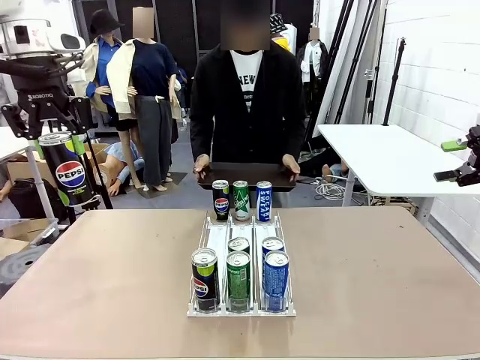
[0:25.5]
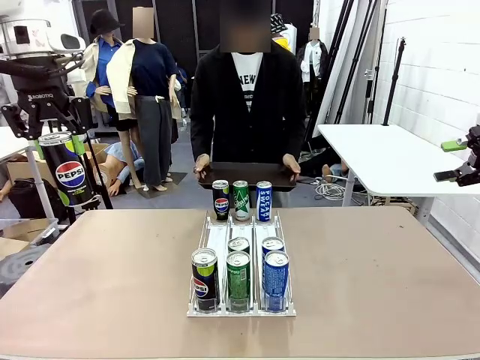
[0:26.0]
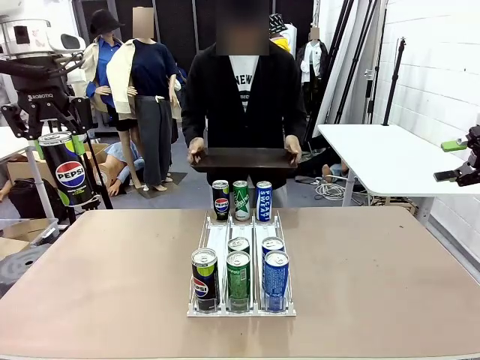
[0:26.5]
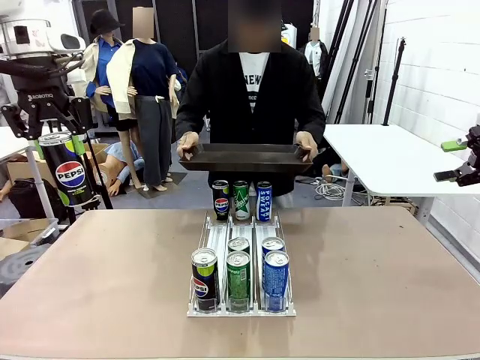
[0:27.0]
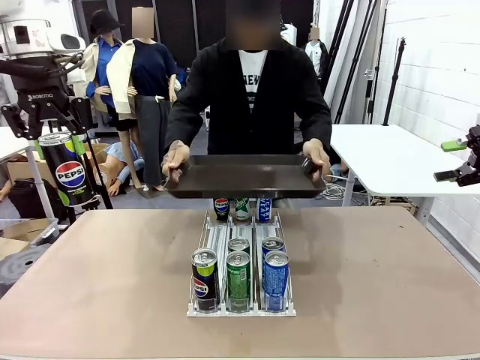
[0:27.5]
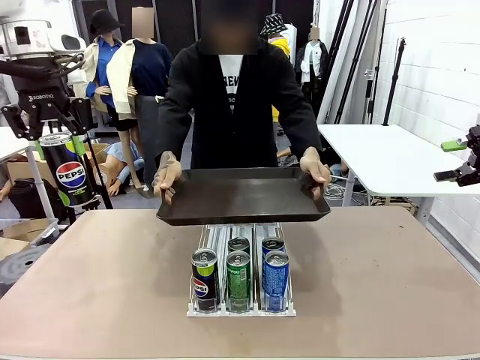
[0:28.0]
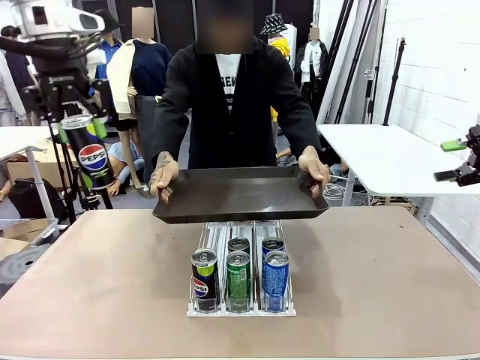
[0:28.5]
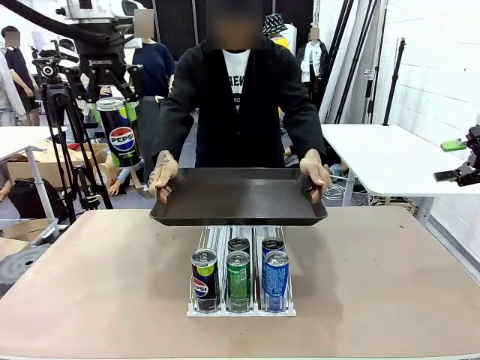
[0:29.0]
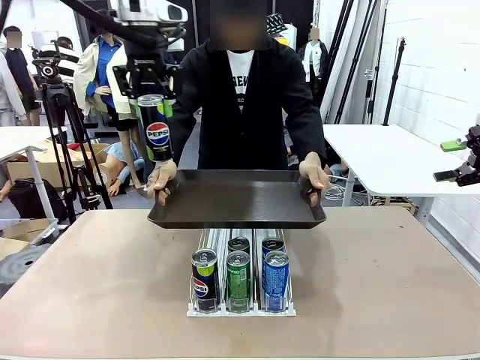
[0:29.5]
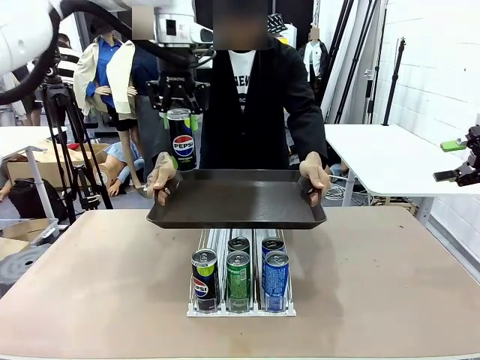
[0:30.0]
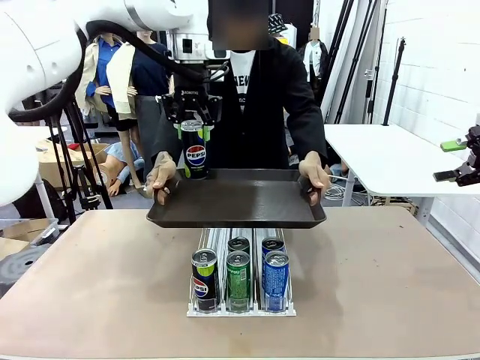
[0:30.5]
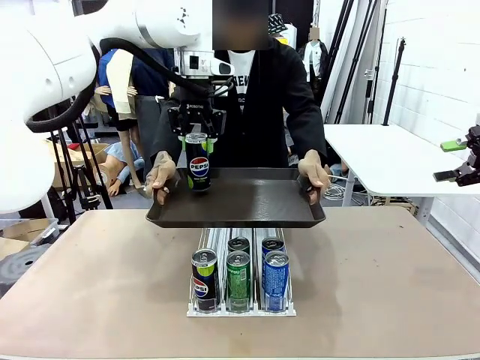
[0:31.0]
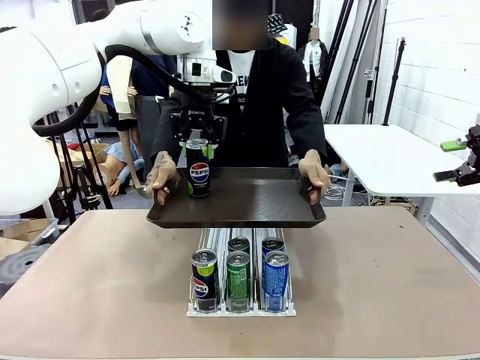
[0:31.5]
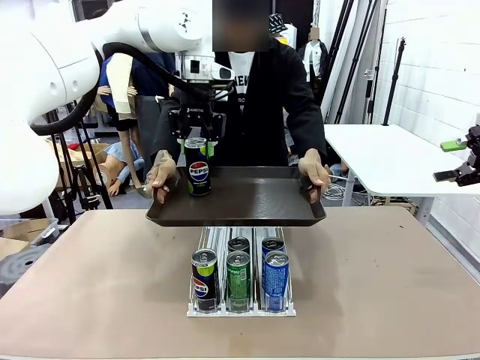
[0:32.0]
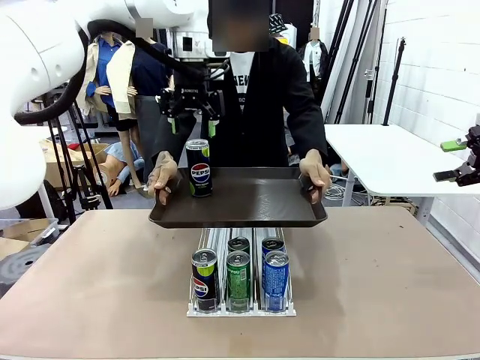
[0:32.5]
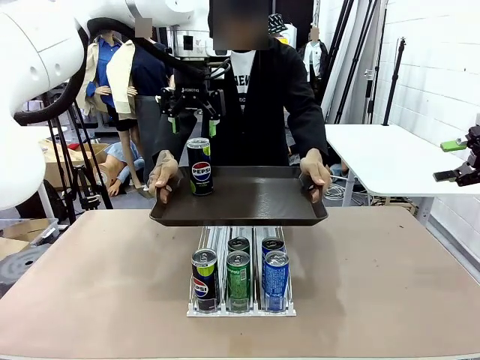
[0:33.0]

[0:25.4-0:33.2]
Task: Retrieve and hand over the desired beverage to the person.
Robot: Place the picked can on the Handle tray extended by the person.

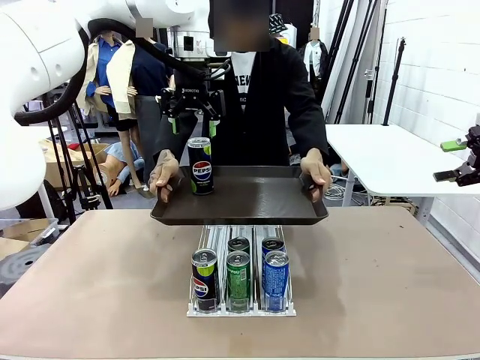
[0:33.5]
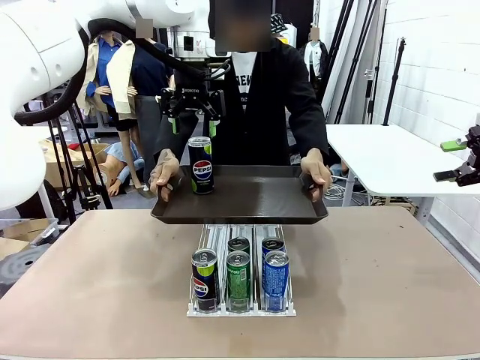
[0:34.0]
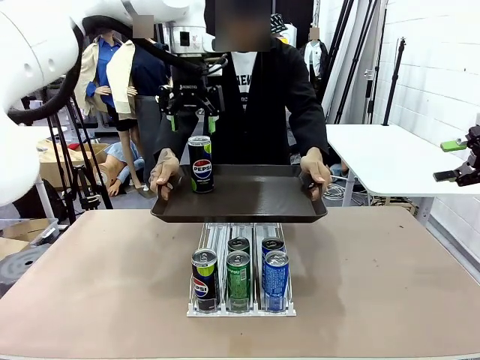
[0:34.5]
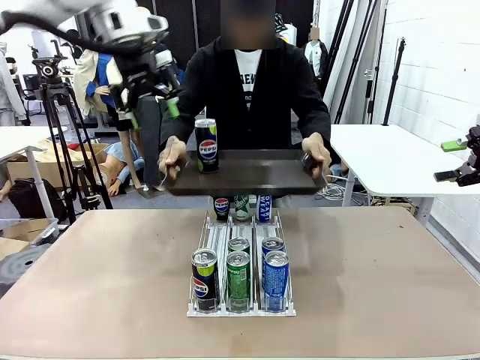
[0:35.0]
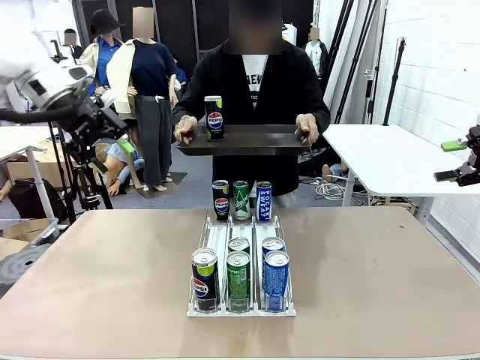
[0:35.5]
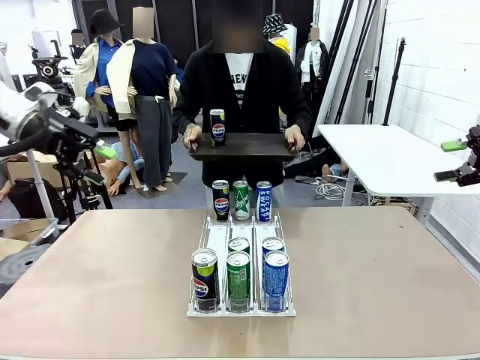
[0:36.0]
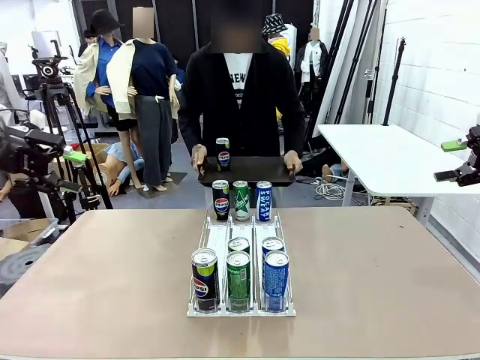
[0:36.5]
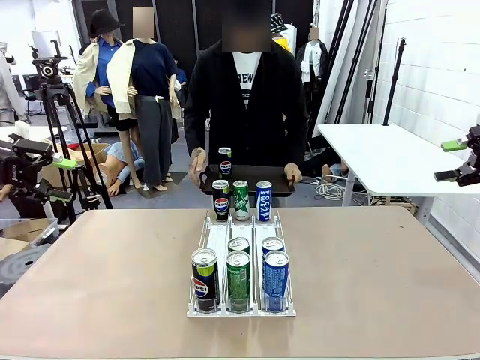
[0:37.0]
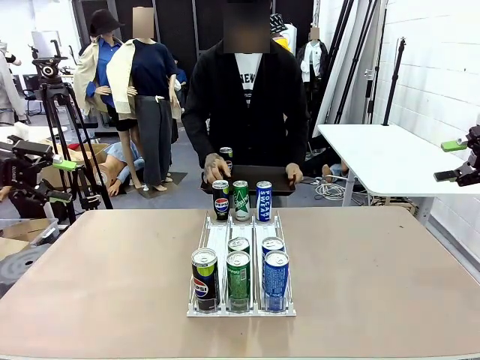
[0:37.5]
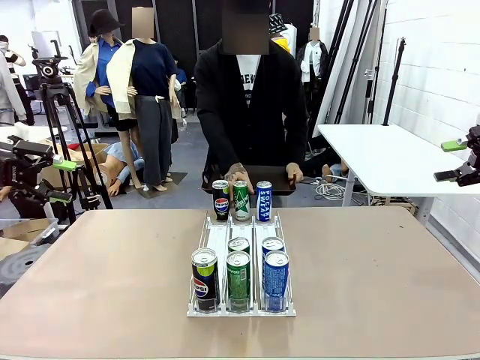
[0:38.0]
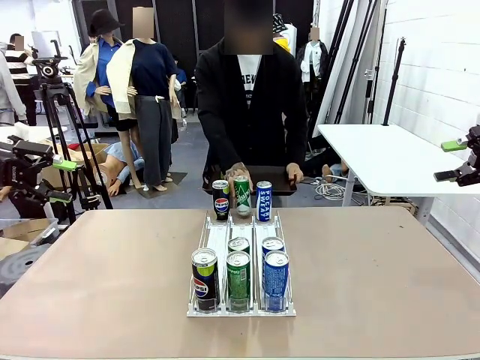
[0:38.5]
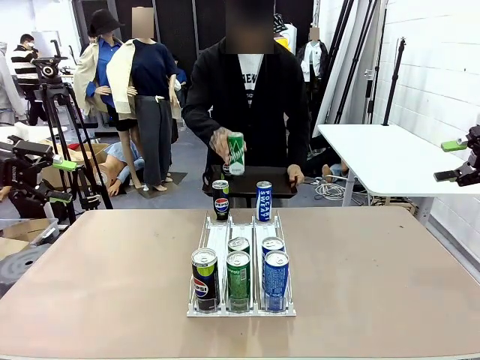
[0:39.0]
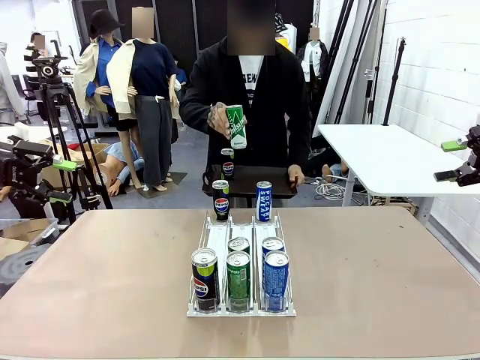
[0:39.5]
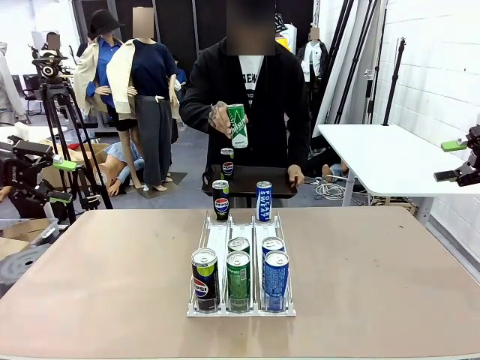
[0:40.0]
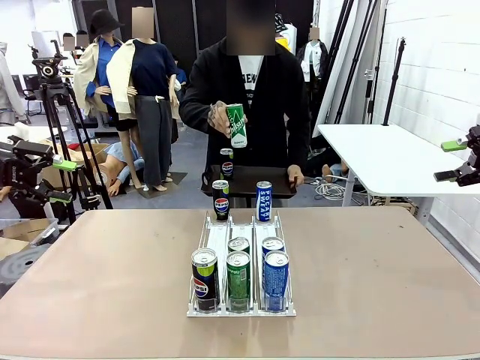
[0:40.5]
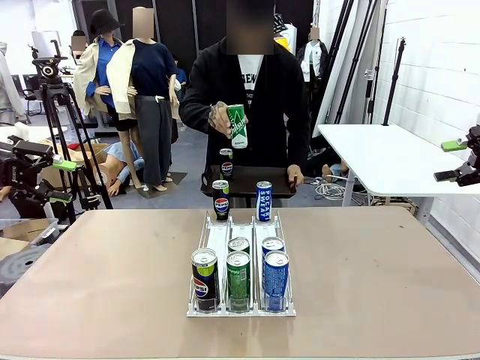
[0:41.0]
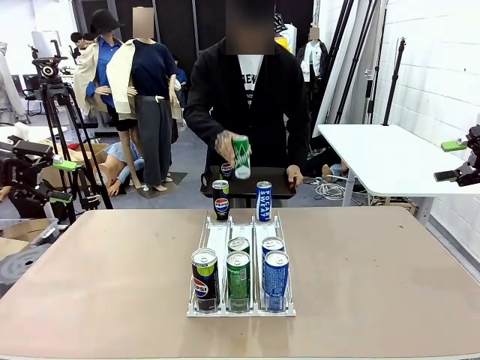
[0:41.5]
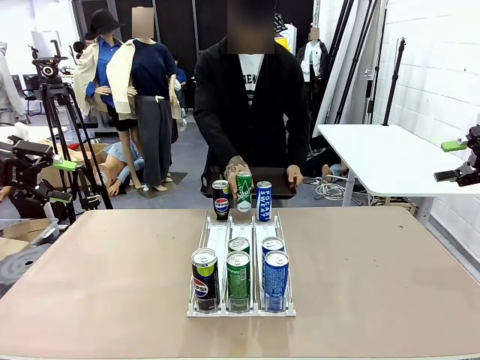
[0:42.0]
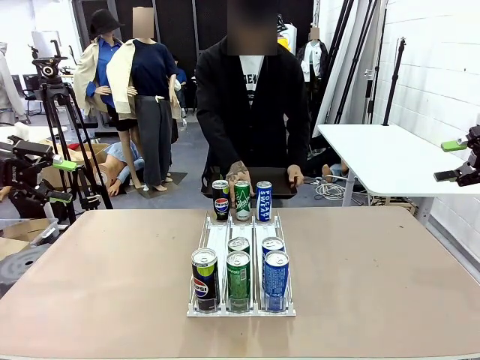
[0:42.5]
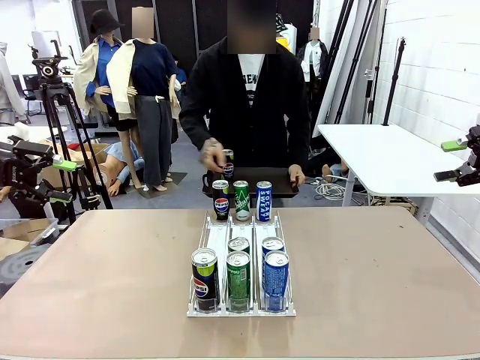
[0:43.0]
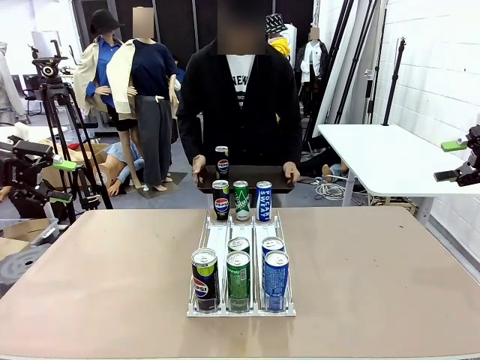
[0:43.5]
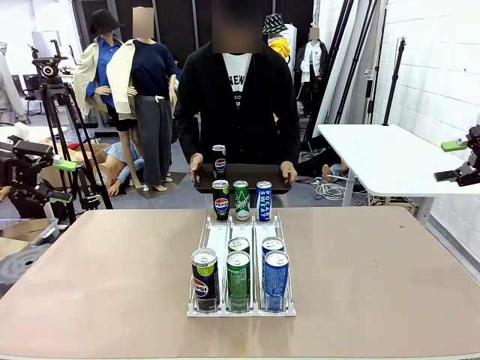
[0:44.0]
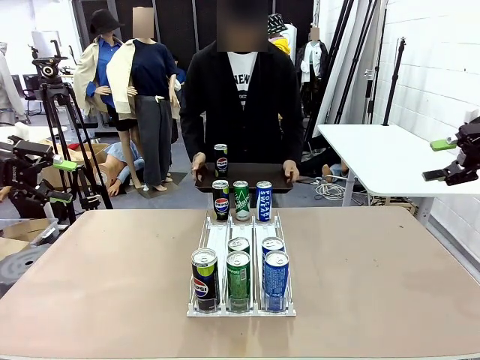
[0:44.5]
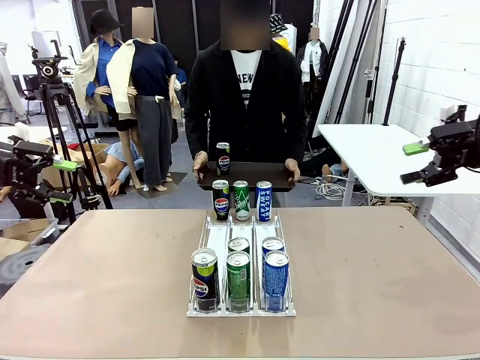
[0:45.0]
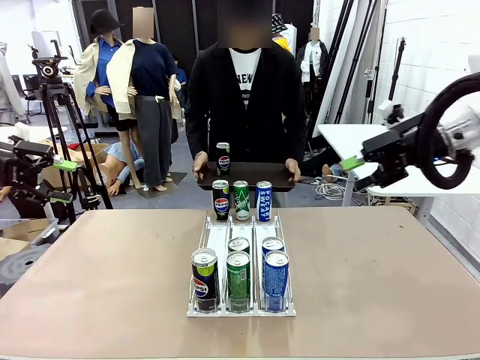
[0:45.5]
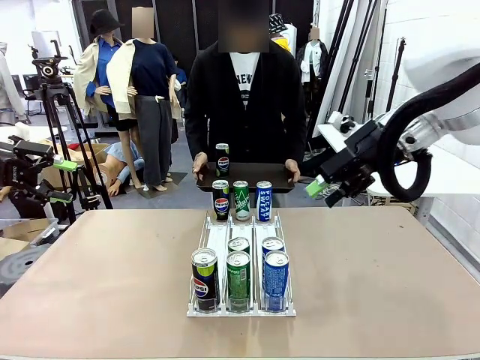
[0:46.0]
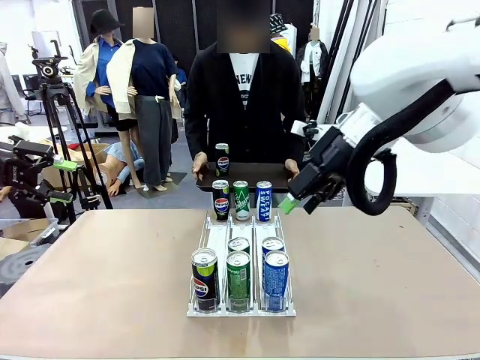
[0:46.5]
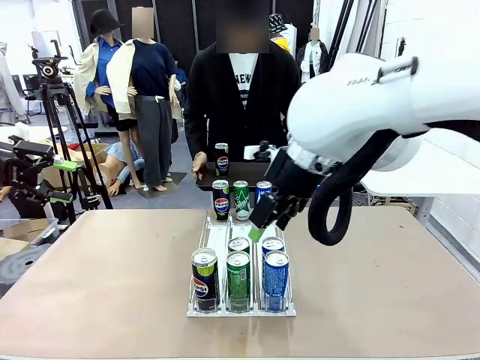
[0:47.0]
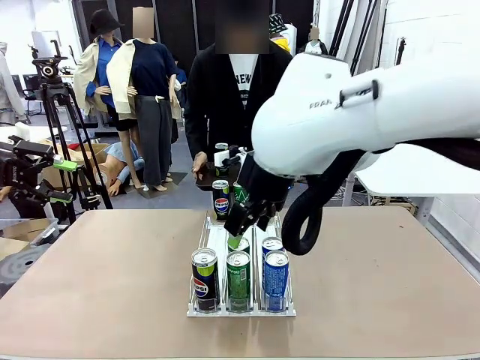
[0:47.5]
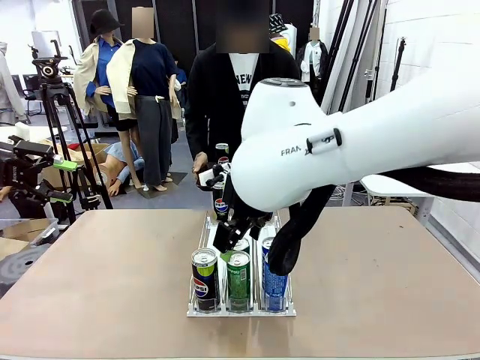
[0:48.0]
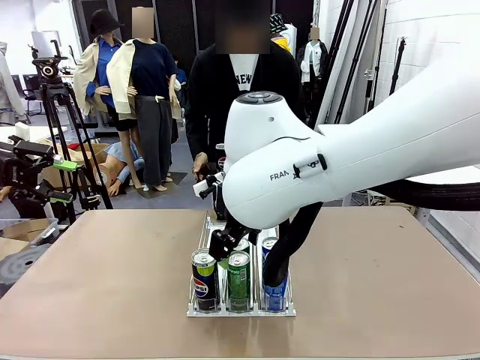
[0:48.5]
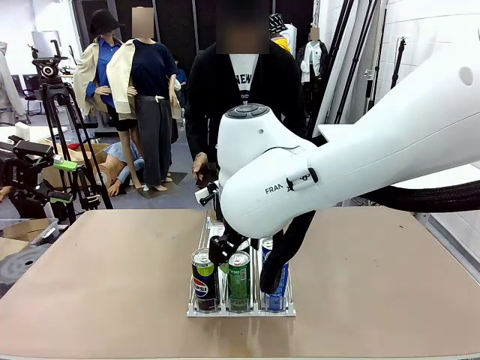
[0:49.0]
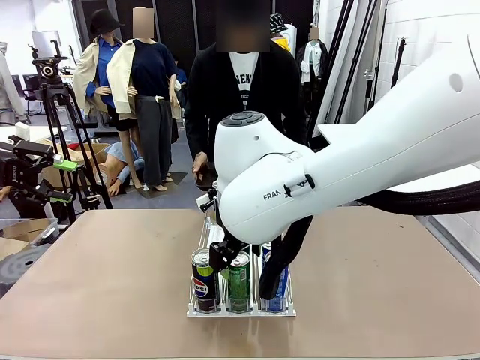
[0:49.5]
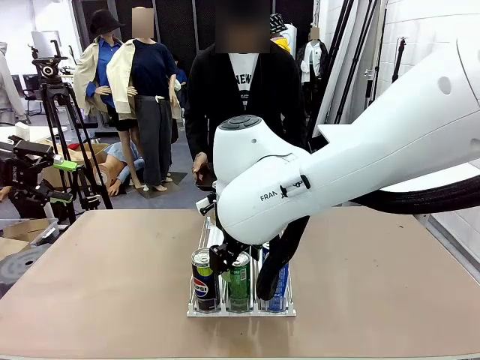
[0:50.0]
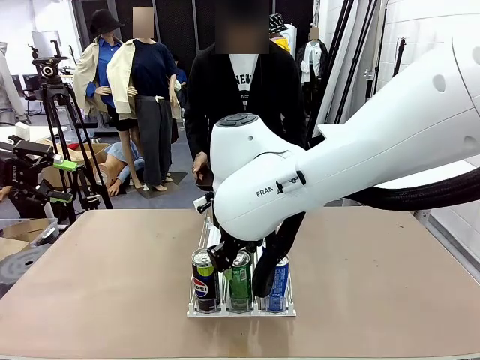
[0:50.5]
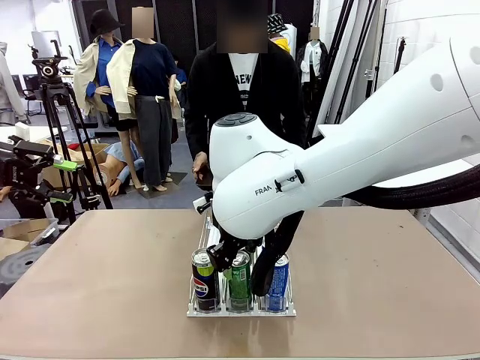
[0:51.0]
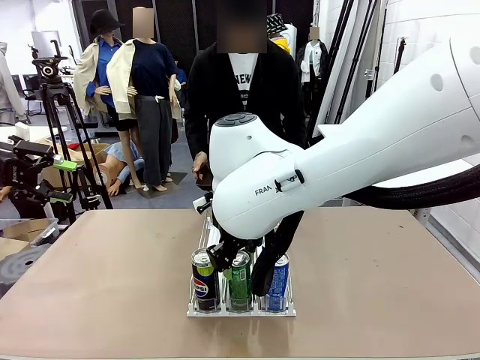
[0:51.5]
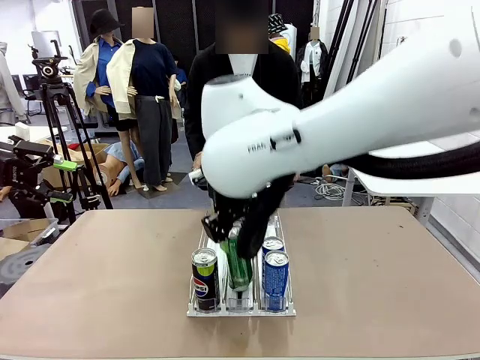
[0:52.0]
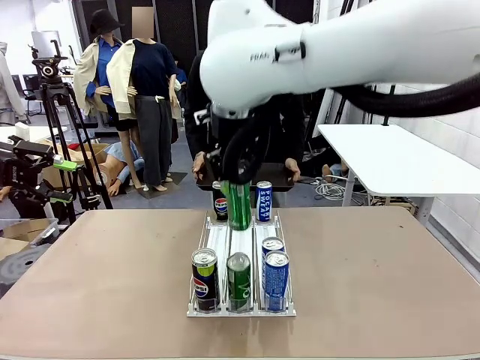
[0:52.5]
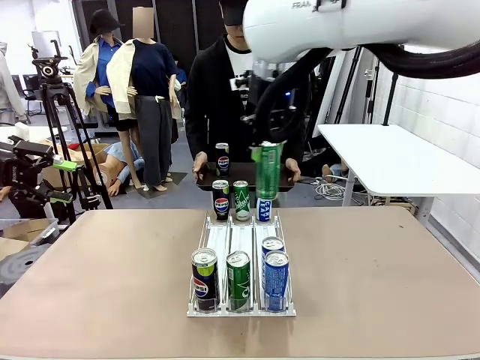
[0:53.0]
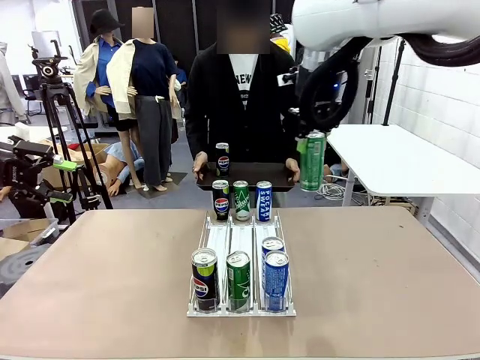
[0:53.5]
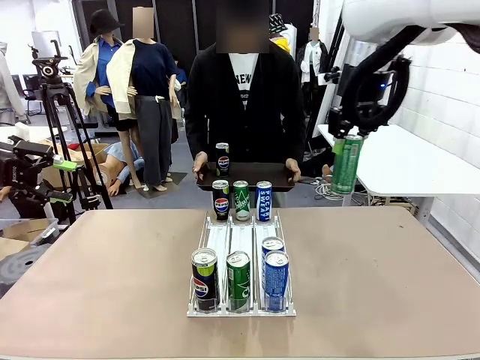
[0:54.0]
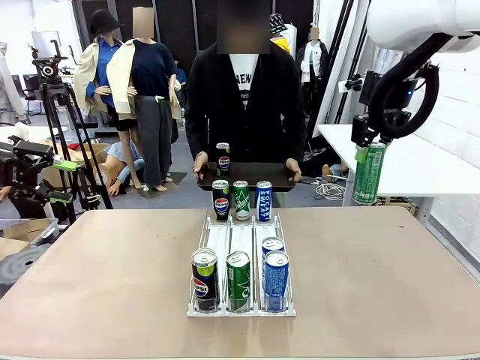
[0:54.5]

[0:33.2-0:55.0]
Robot: Pick up another can of the same type that the person held from the Automatic Can Dispenser.
Person: Pull the tray back, then pick up another can from the bottom area of the table and puts it back in its original place. Push the tray toward the robot again.
